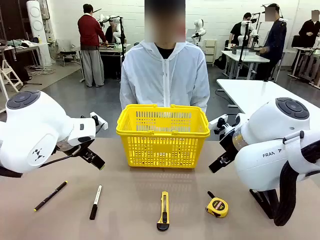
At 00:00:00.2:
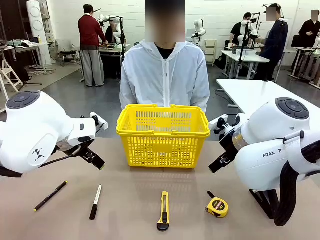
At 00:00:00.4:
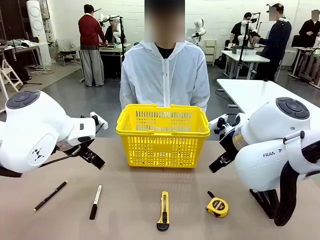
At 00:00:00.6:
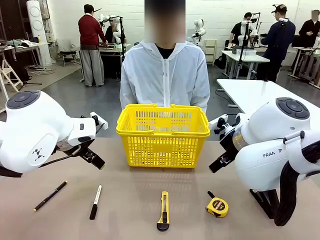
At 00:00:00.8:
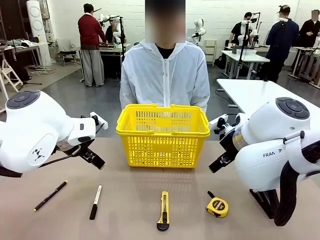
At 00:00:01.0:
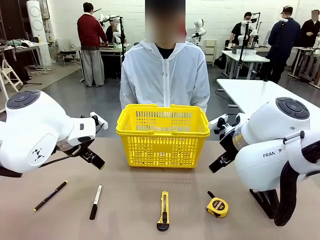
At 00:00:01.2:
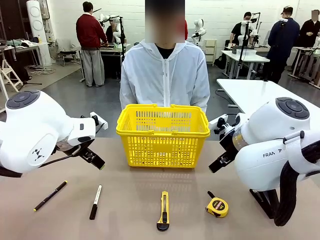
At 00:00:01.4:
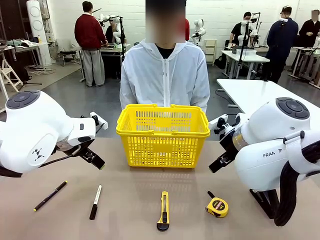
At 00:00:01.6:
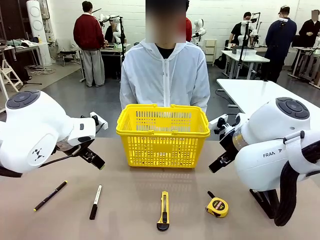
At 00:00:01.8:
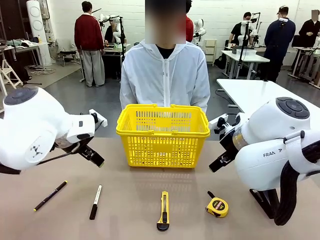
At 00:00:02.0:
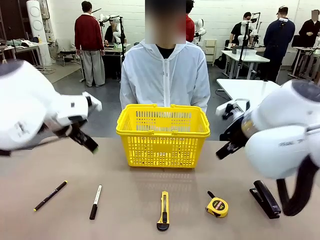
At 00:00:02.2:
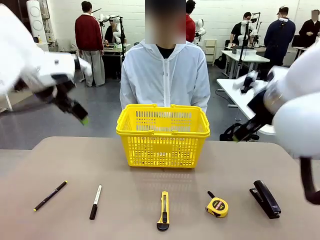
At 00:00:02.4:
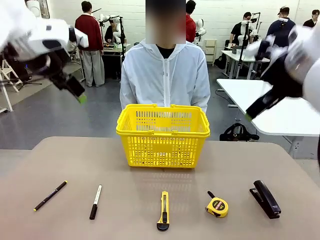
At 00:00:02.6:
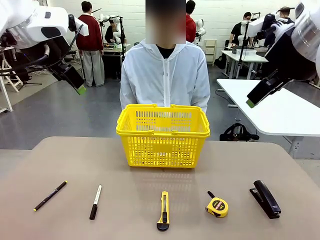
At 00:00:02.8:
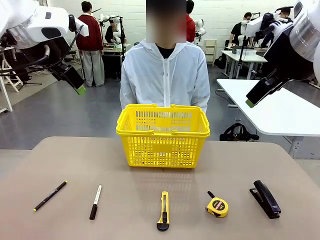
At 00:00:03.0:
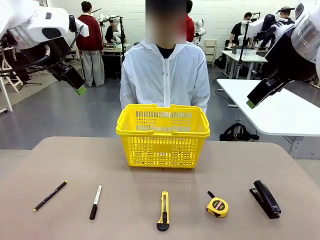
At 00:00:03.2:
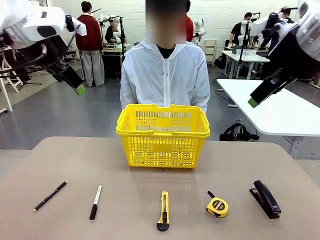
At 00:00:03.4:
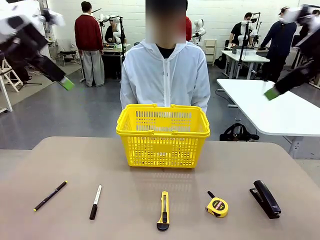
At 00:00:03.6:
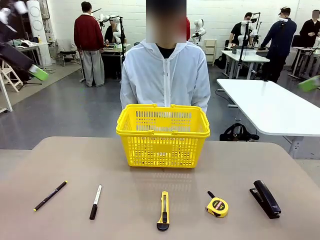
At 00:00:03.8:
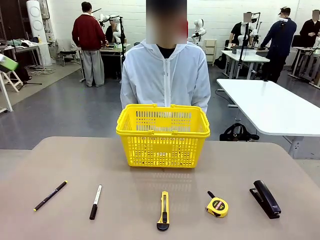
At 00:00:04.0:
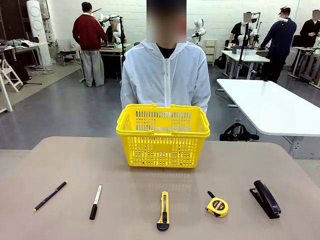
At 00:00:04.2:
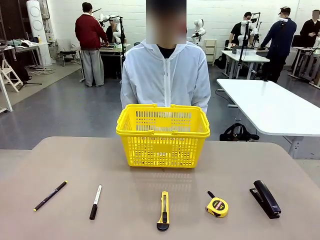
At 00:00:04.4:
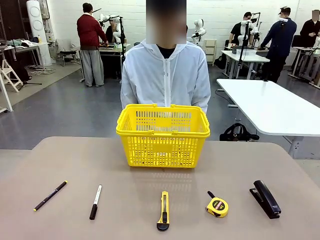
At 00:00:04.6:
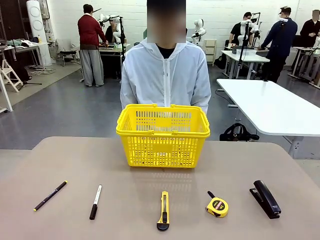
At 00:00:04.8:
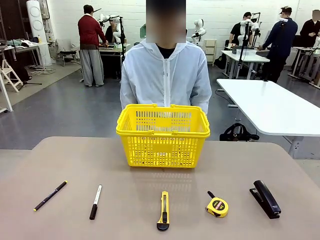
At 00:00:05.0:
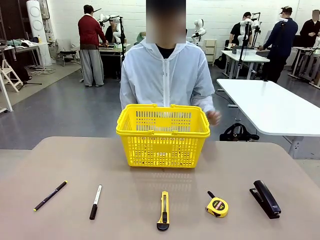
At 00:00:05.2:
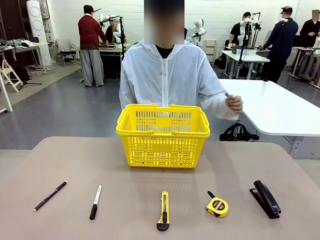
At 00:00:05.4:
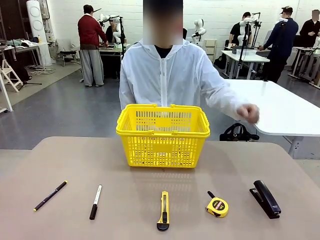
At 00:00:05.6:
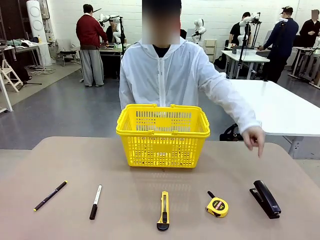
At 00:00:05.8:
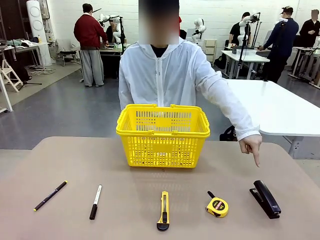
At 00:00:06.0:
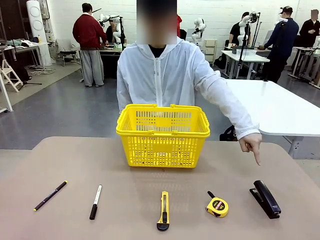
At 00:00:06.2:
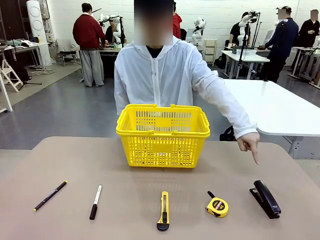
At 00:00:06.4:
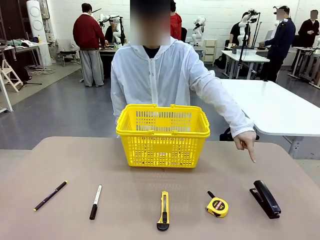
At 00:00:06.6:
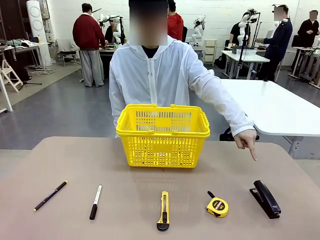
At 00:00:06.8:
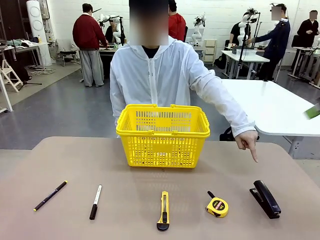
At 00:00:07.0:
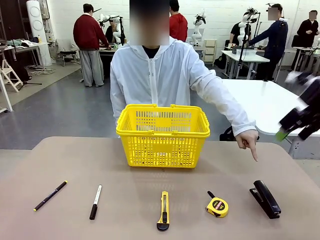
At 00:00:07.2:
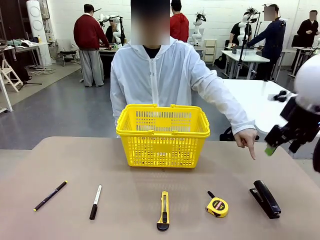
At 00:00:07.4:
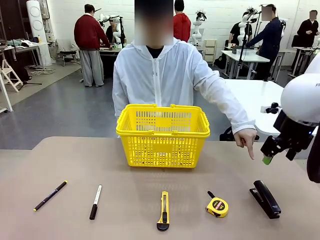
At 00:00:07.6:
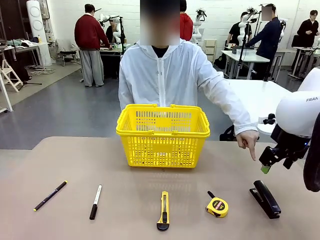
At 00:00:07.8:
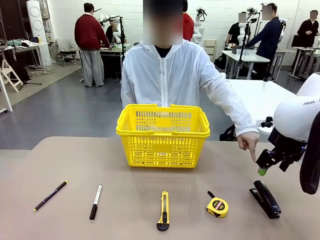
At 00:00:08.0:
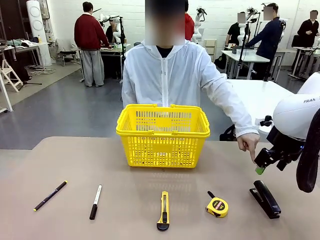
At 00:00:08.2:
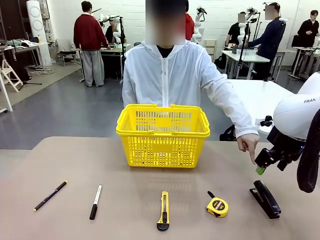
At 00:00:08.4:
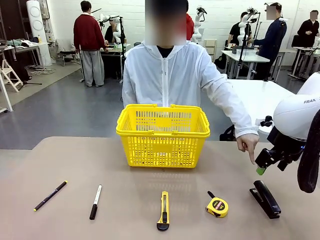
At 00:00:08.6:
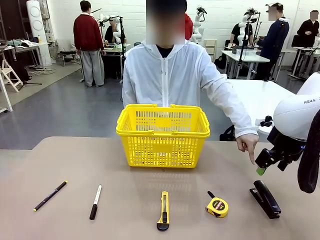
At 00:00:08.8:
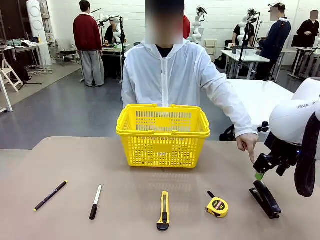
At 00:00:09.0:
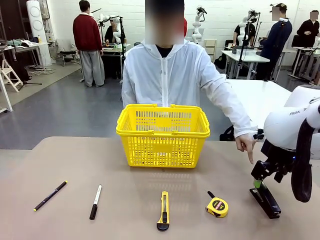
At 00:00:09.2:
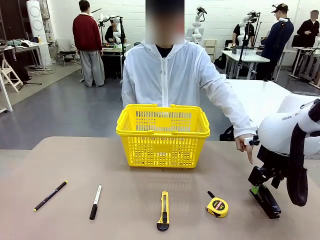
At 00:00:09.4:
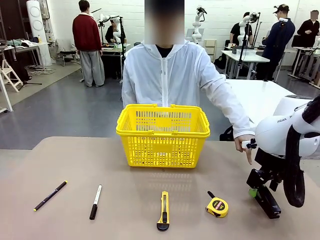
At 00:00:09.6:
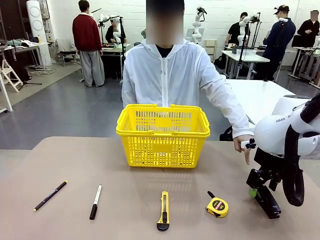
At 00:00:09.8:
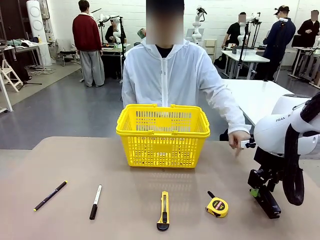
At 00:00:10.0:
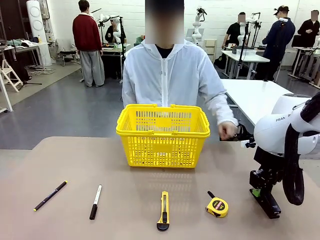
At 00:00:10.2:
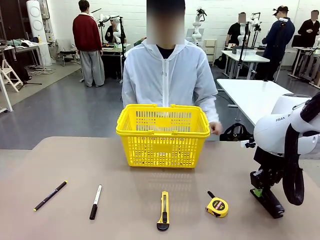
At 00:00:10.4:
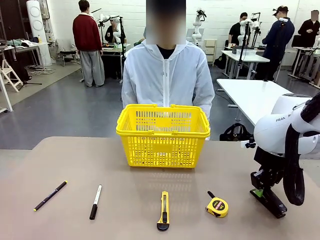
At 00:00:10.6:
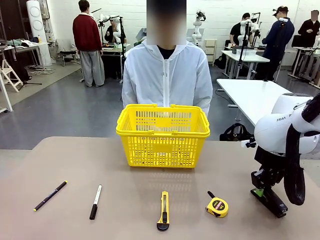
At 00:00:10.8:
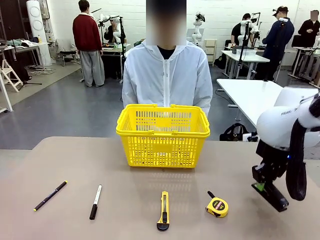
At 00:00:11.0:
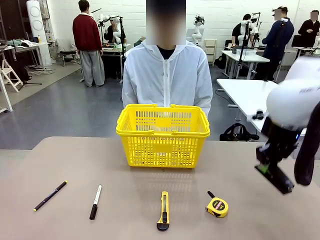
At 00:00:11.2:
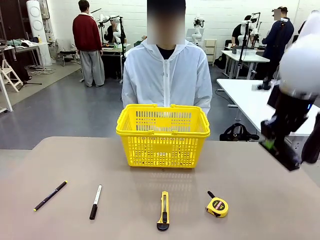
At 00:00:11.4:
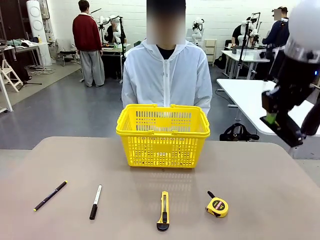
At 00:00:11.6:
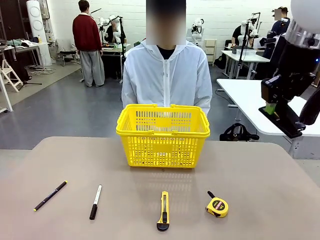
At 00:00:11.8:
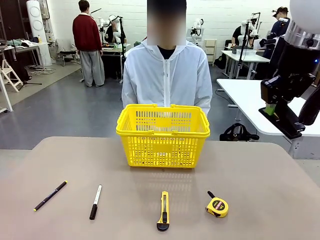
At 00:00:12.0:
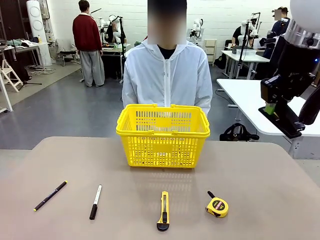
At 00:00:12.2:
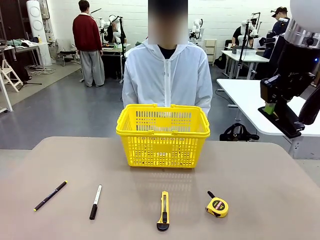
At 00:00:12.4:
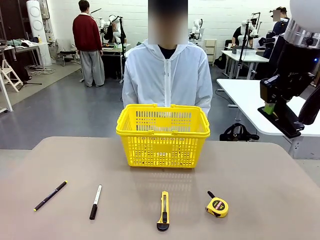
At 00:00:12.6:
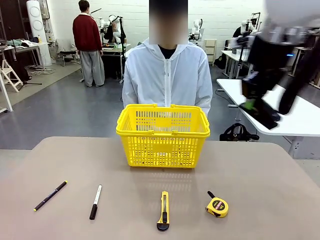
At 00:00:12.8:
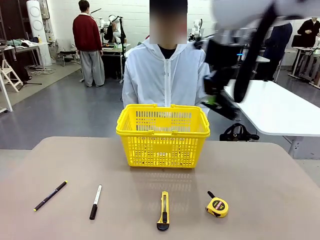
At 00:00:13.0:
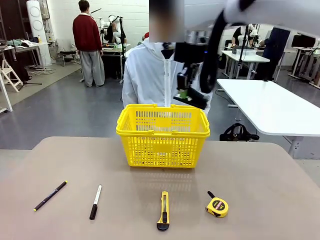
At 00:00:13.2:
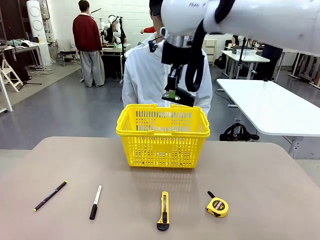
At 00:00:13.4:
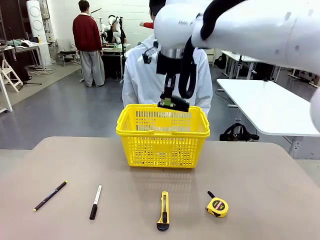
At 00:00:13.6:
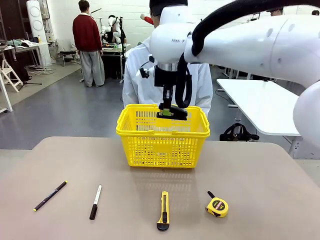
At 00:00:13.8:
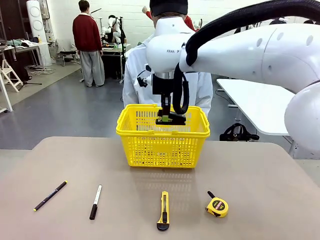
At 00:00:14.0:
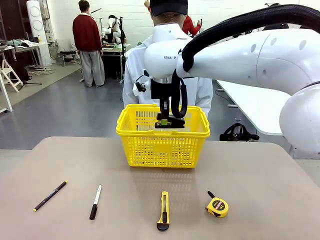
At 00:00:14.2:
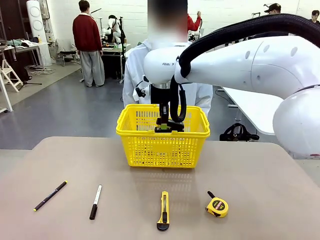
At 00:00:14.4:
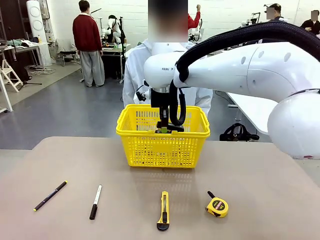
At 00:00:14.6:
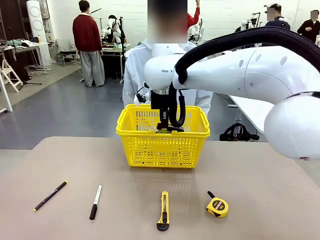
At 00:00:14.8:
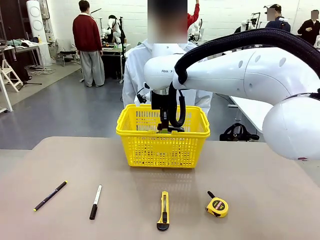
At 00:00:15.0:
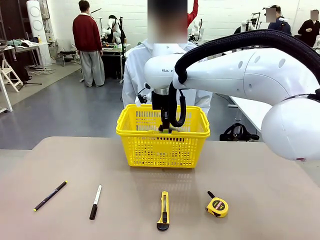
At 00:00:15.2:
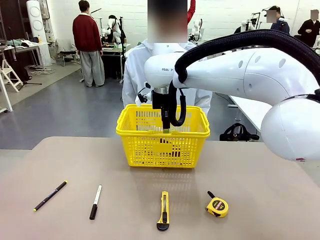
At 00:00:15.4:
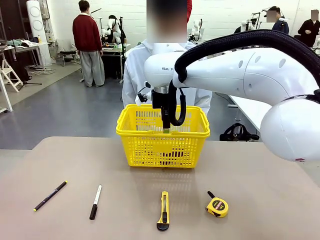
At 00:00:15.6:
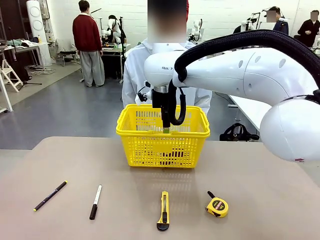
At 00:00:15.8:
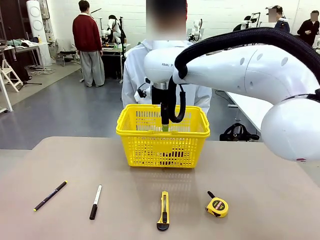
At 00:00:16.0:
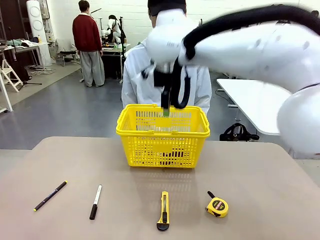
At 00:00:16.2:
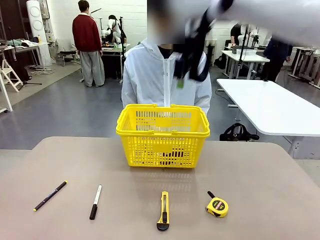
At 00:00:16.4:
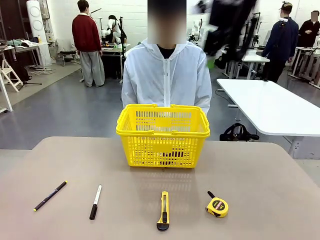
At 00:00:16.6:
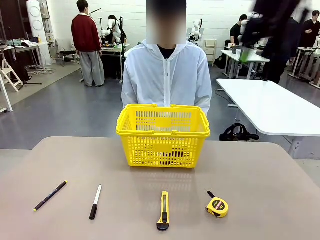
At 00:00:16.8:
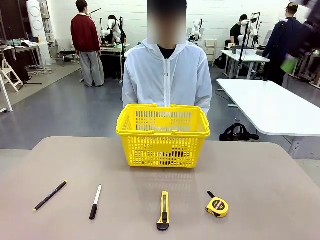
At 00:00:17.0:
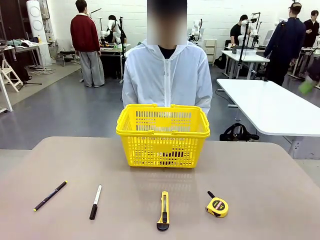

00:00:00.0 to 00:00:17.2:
Task: Place the items the person wants into the basket.
Robot: Pick up the item the person points to and place it in the Market Basket.
